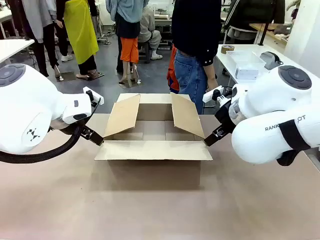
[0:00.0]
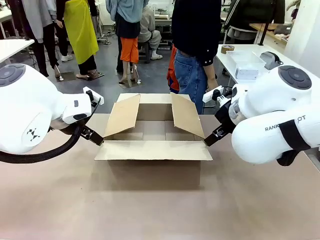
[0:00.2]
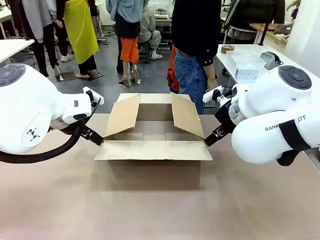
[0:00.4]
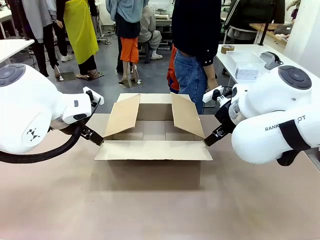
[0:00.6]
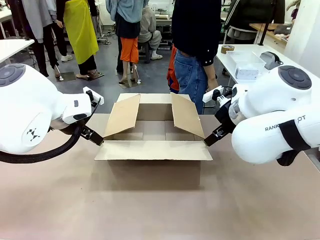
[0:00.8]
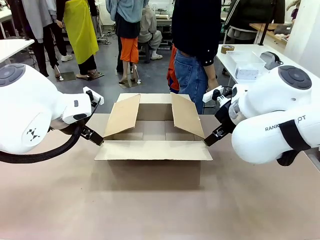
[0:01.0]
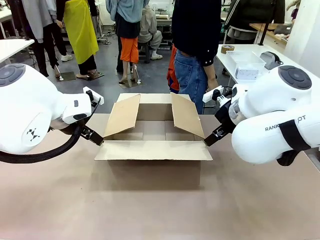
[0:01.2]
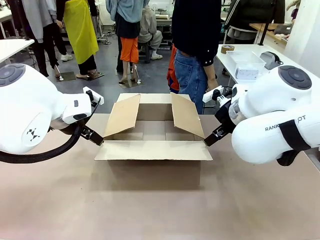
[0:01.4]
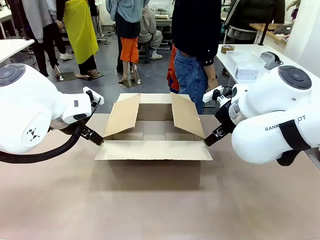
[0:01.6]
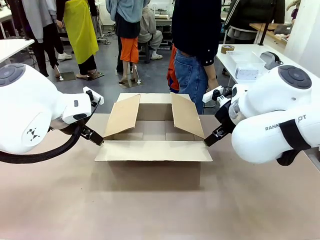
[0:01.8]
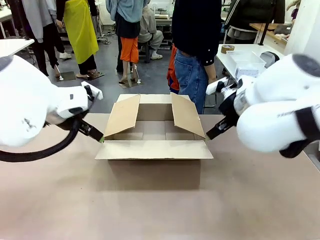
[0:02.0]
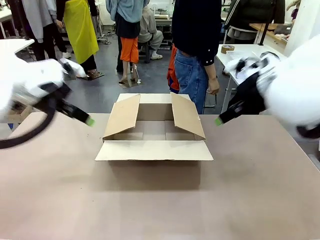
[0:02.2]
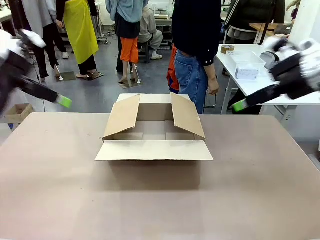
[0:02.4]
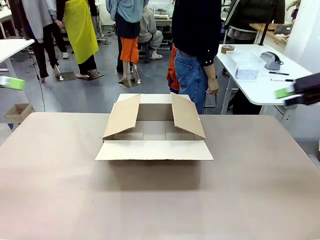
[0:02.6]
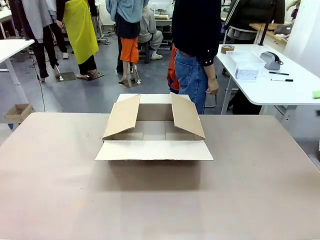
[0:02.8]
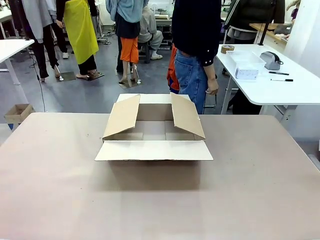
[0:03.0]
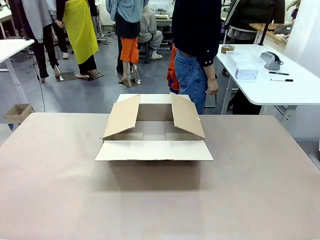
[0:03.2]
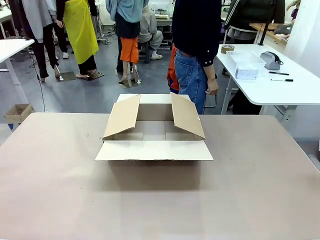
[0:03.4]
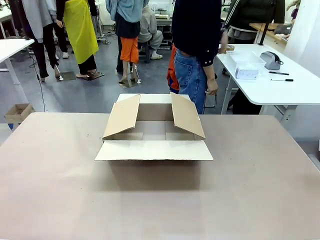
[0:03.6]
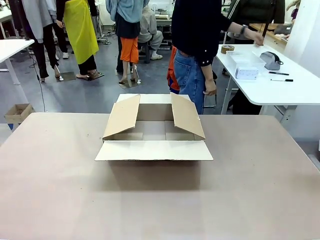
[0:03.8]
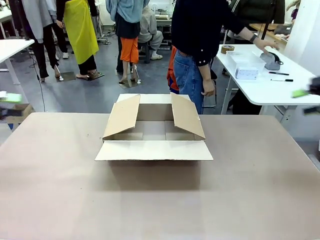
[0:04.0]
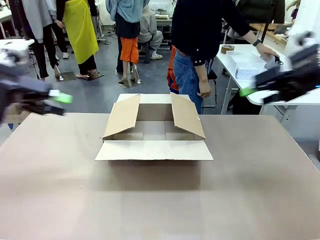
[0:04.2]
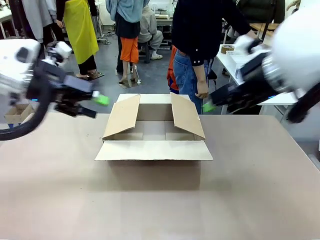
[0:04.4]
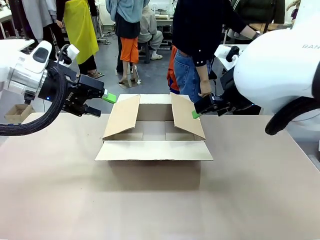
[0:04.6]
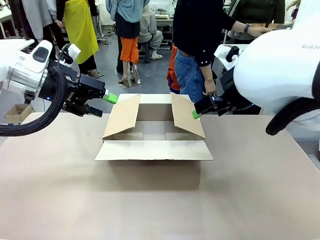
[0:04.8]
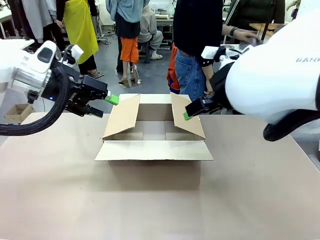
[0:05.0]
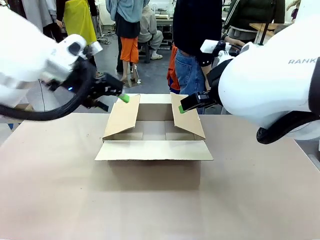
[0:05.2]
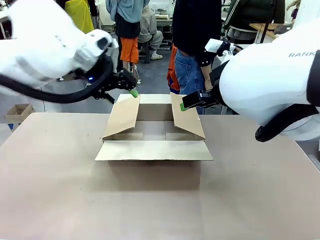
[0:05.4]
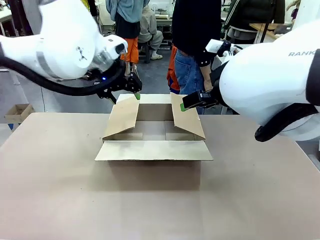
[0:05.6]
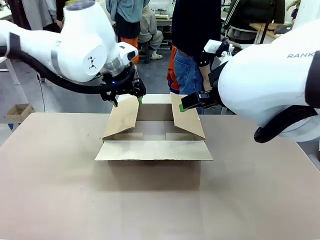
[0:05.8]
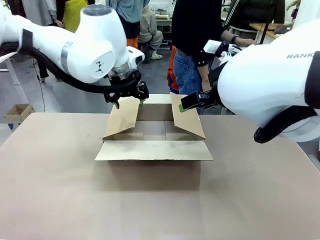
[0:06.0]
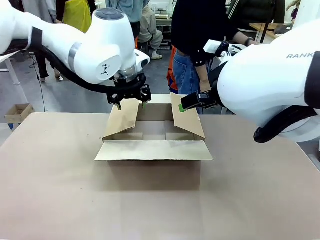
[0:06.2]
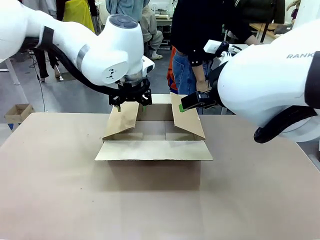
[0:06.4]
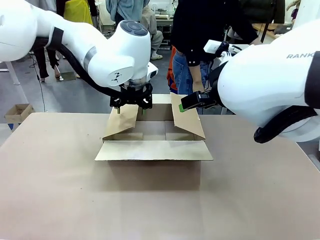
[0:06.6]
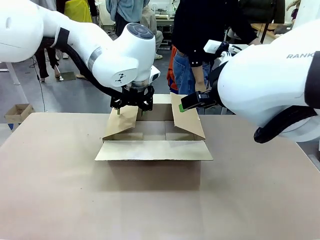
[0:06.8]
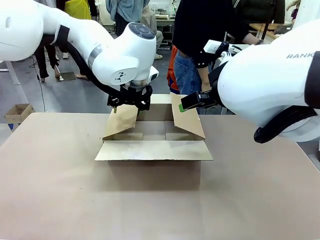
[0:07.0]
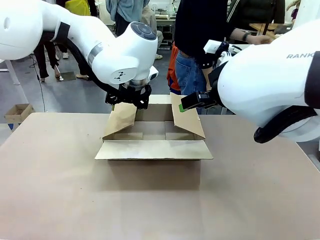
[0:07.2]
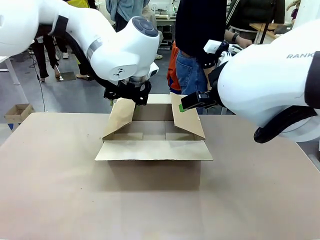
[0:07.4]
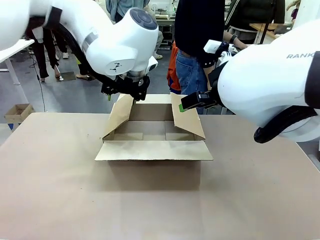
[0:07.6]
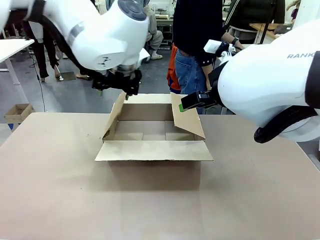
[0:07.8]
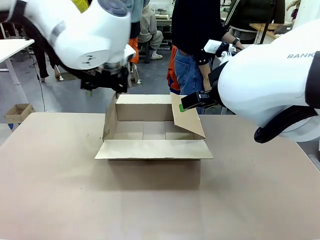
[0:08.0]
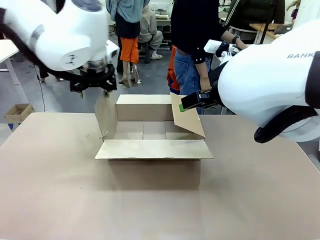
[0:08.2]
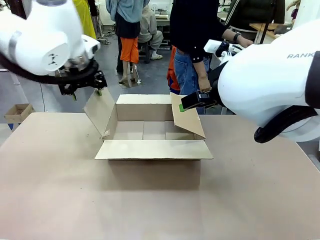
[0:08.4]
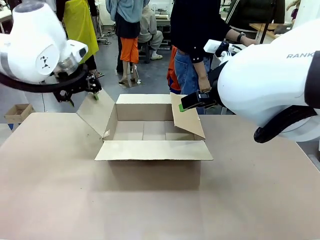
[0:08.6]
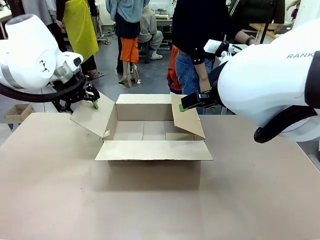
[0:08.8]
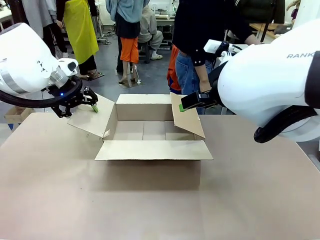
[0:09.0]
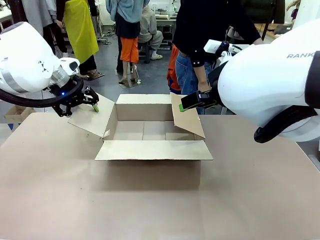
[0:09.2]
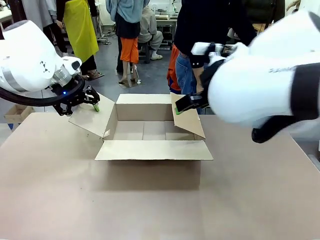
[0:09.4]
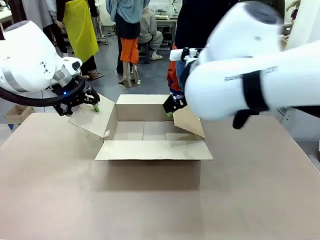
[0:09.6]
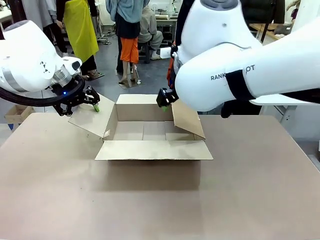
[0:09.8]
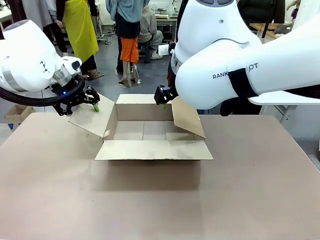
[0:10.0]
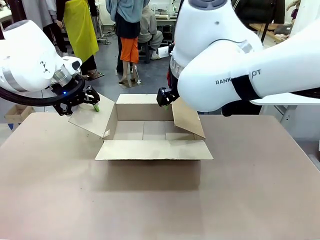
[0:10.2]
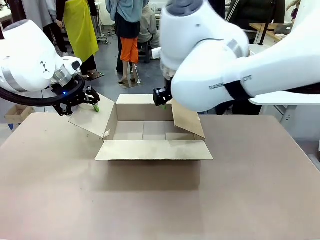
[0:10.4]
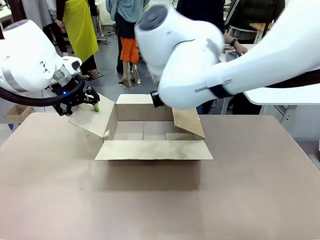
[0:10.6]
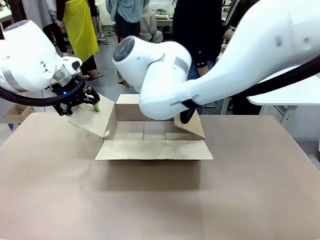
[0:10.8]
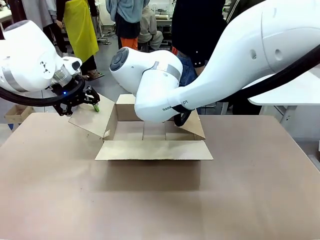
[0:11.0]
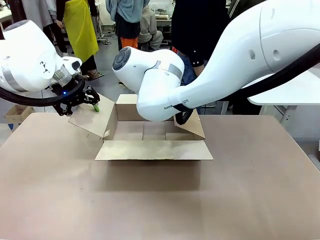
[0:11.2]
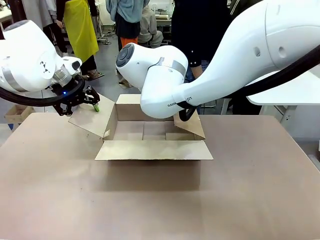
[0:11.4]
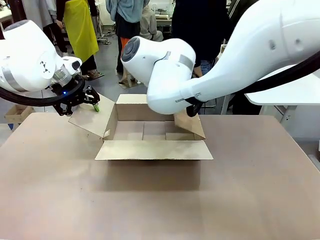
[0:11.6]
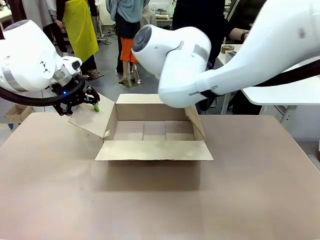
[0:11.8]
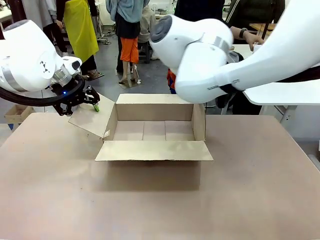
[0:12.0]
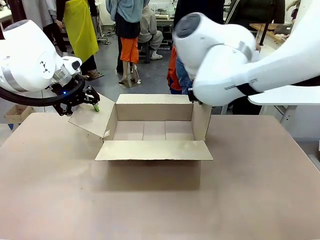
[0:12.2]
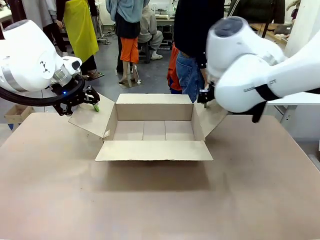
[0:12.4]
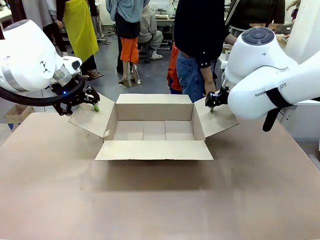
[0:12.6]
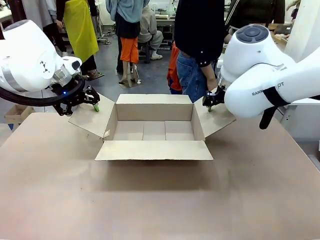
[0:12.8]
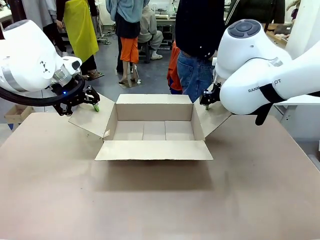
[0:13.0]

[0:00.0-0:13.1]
Task: Pack the gift set into the box.
Robot: Place both hands on the side flaps of the Package Box and spread them outward.
Person: The human places all items except the paper tape into the organizing basket.

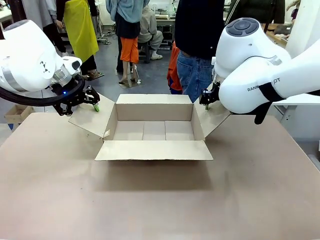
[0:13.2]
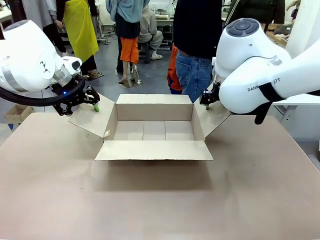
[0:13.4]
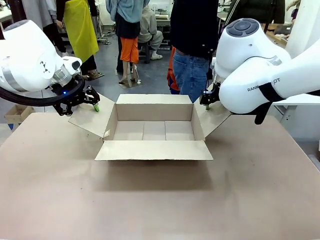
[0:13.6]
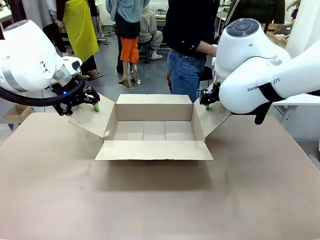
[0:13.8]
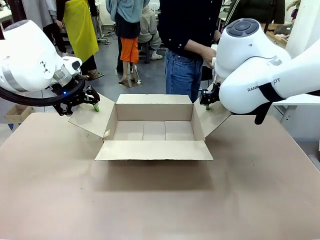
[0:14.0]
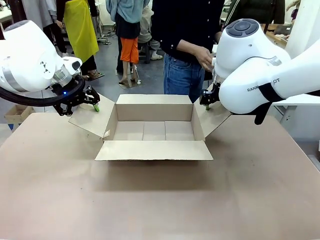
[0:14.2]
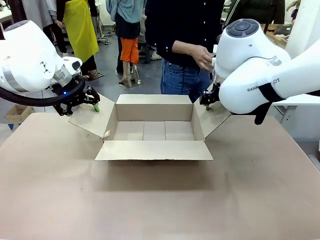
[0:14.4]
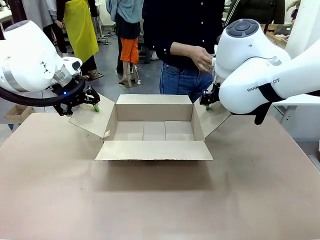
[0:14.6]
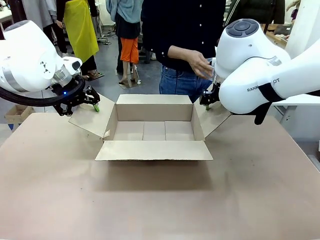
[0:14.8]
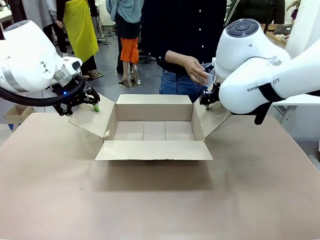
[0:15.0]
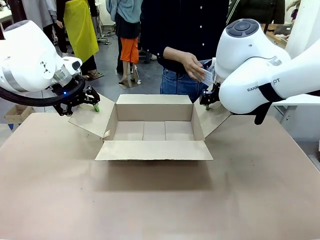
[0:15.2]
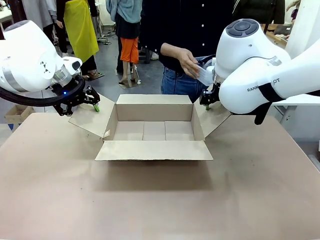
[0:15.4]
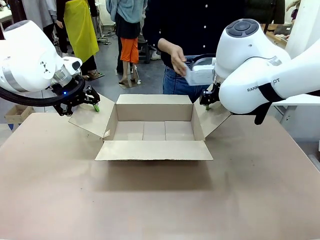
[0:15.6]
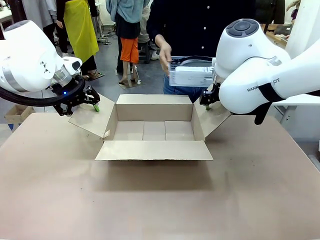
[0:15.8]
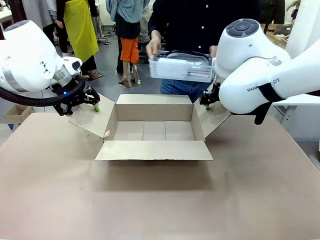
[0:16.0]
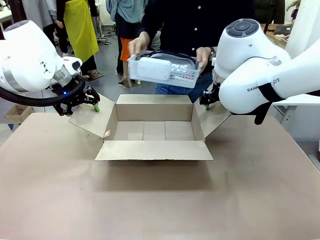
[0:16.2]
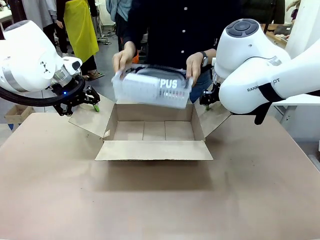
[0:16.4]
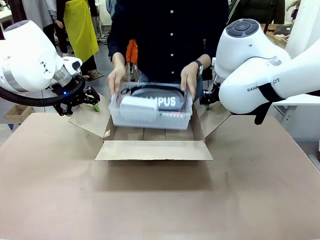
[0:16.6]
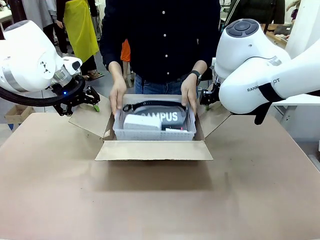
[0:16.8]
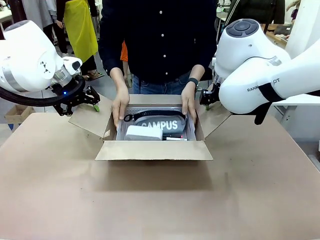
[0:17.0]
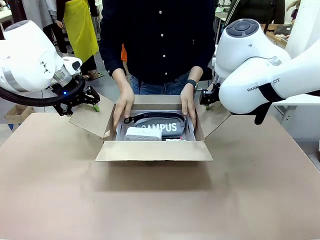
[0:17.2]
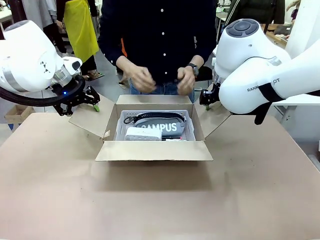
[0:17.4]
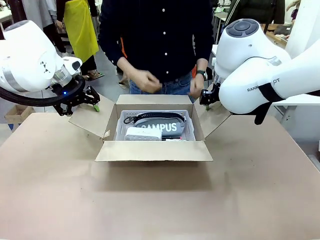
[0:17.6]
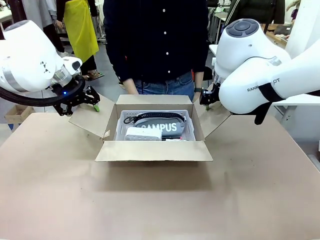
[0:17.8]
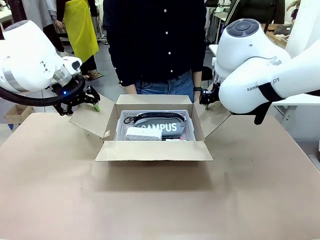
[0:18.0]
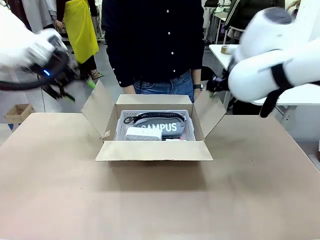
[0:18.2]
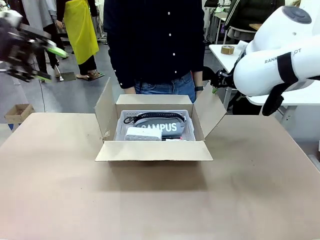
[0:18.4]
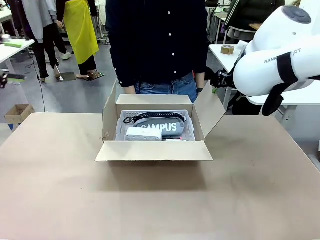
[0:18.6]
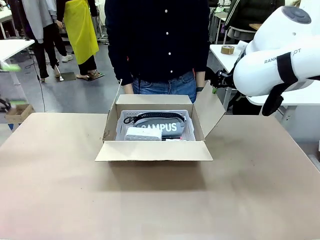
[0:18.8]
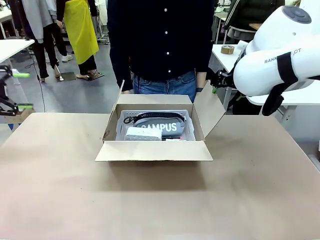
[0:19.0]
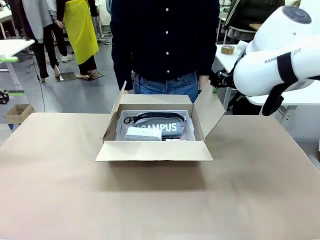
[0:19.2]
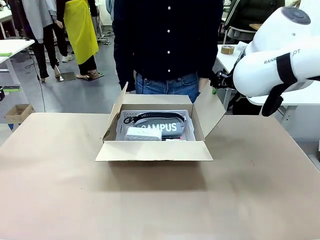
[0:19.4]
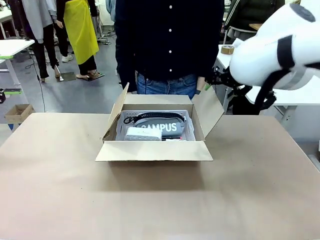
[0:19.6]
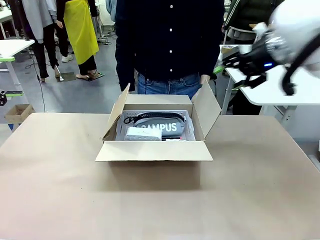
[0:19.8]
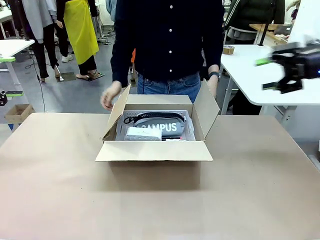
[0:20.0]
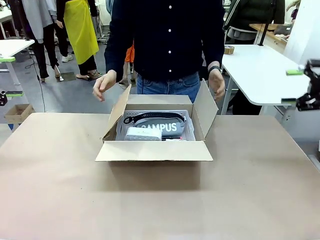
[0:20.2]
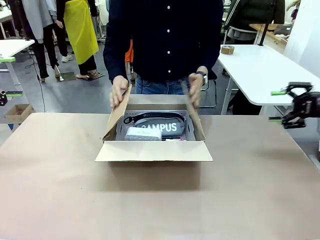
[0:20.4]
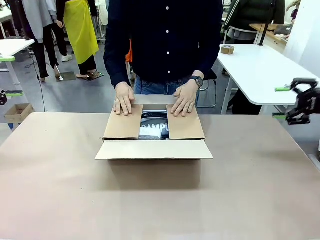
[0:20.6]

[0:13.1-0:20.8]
Robot: Lift both hands away from the flaps of the Package Box.
Person: The human picks up the organizing basket and places the organizing basket into the package box on the robot table.
